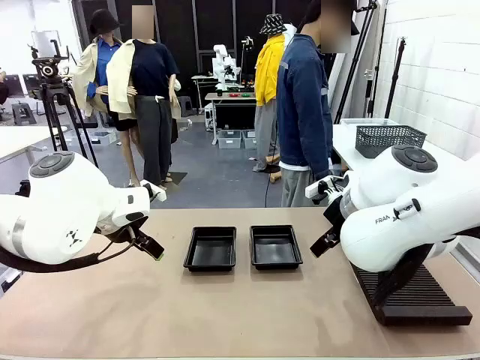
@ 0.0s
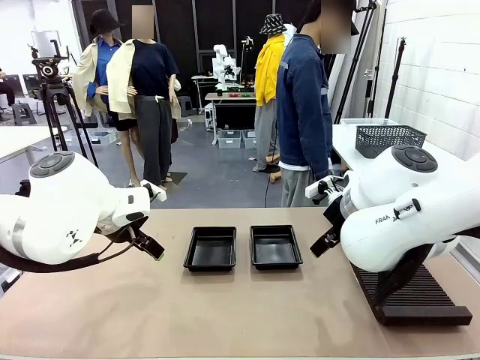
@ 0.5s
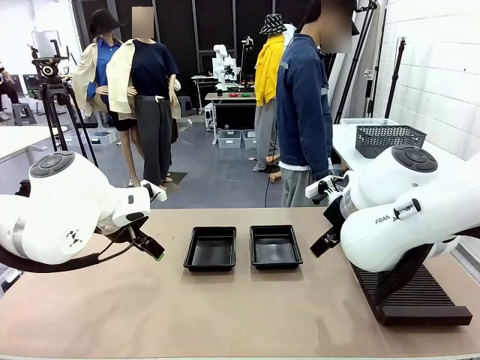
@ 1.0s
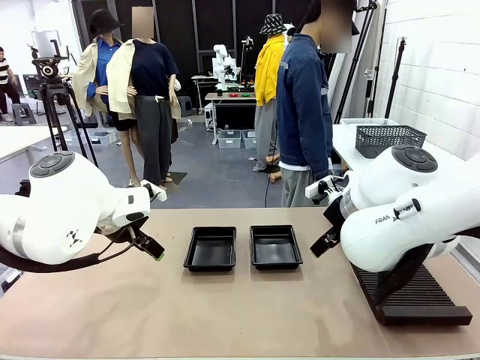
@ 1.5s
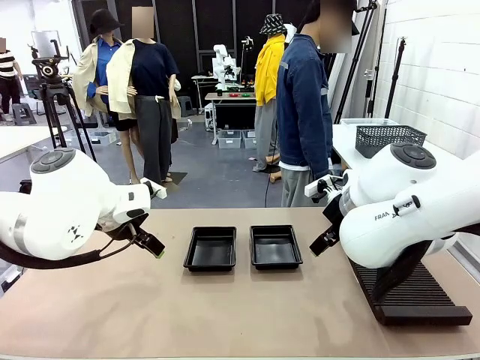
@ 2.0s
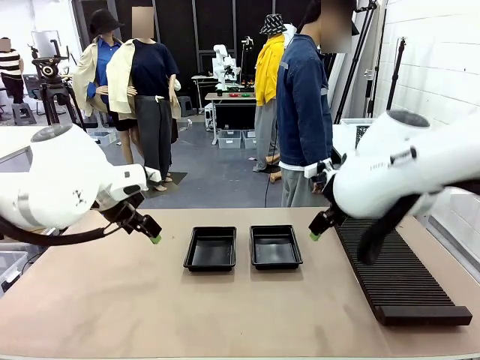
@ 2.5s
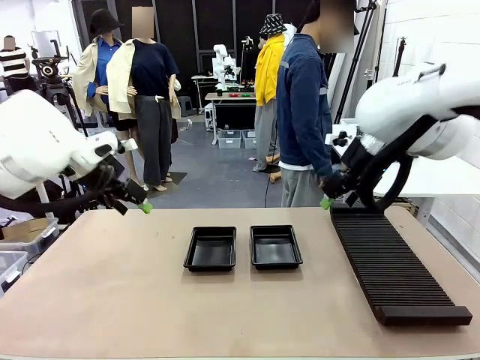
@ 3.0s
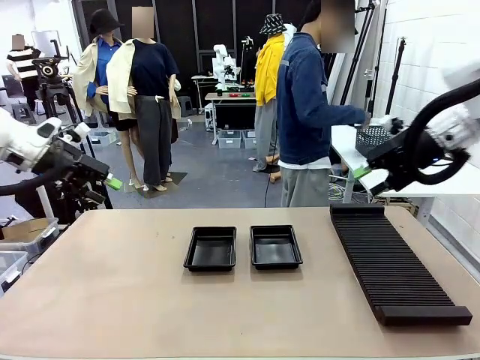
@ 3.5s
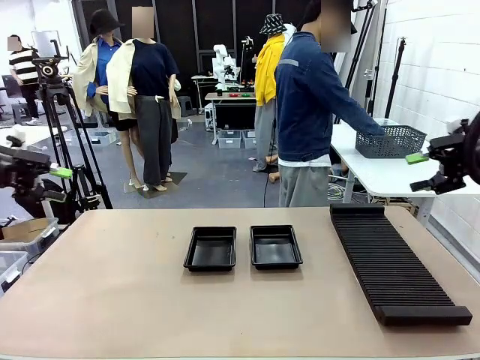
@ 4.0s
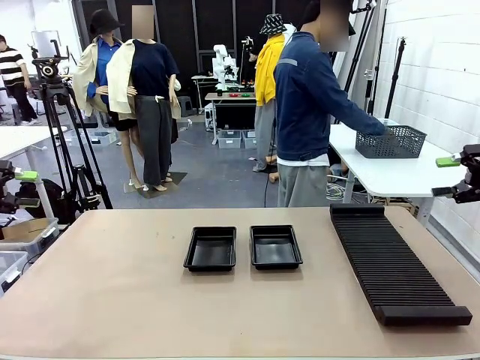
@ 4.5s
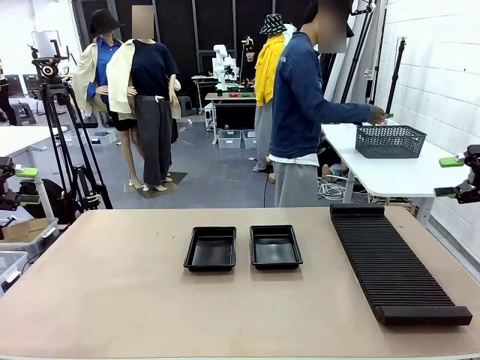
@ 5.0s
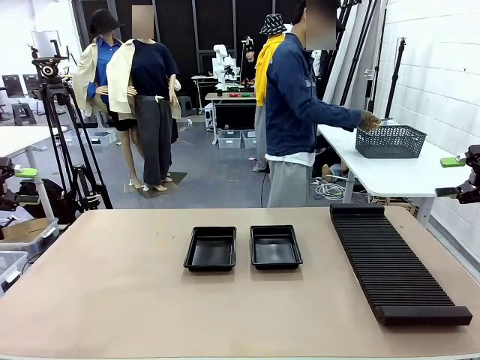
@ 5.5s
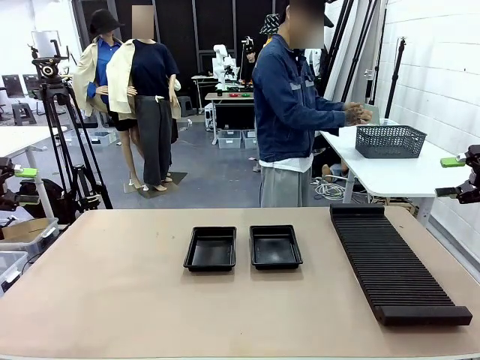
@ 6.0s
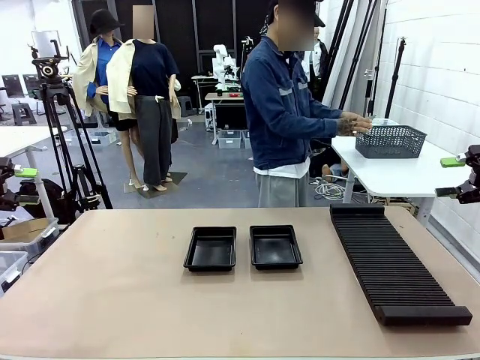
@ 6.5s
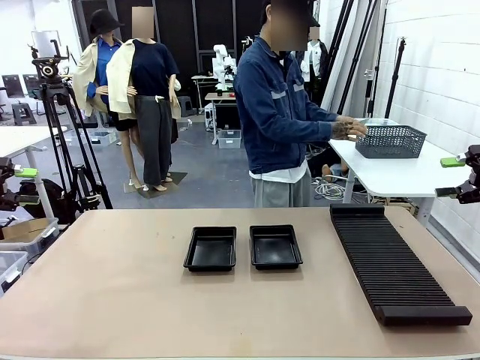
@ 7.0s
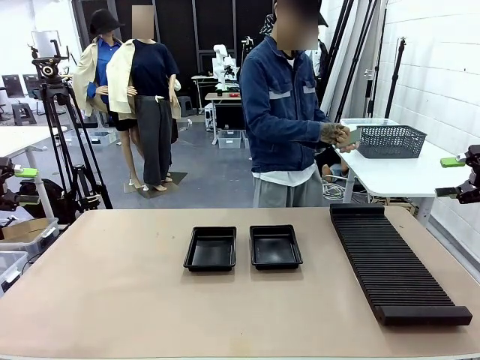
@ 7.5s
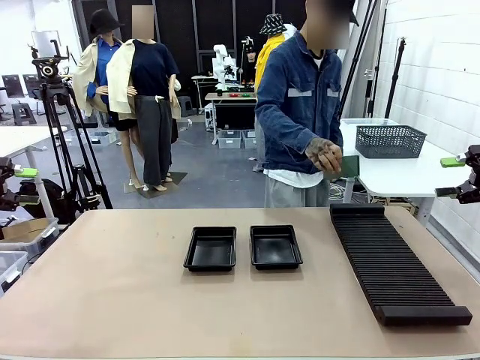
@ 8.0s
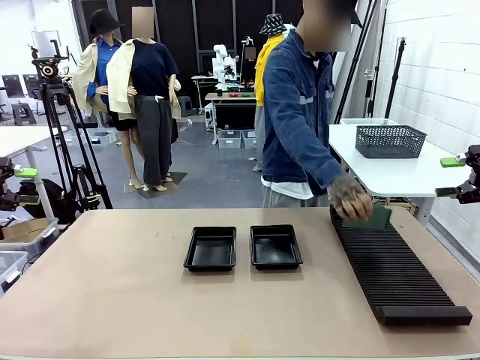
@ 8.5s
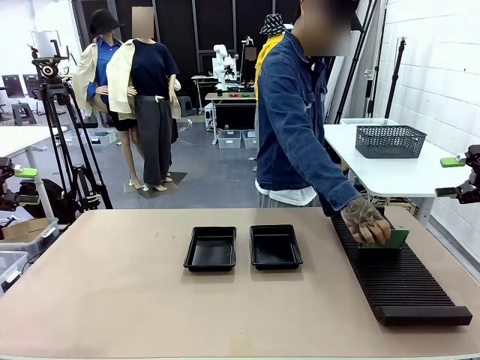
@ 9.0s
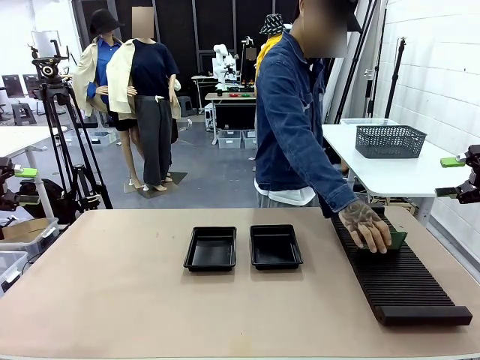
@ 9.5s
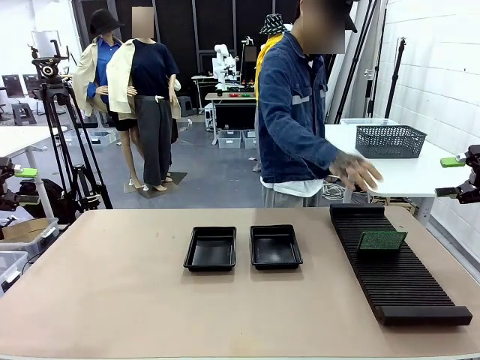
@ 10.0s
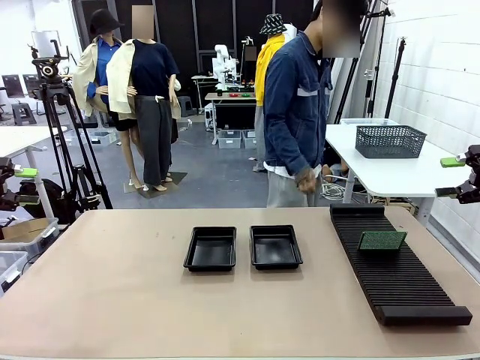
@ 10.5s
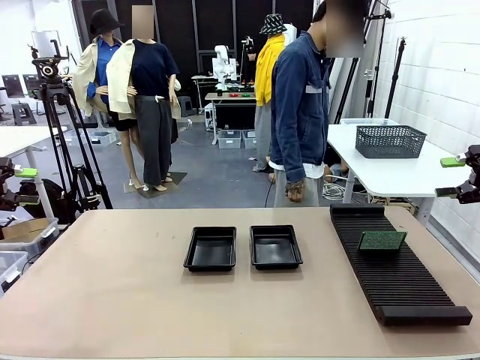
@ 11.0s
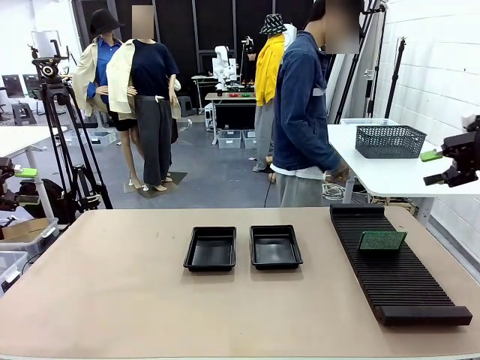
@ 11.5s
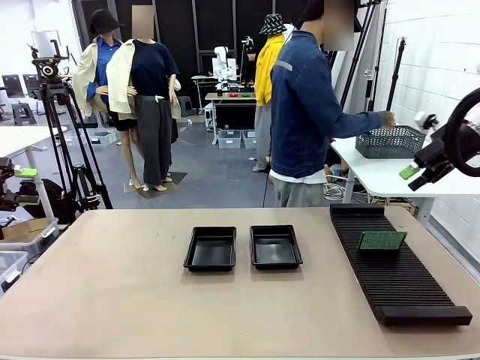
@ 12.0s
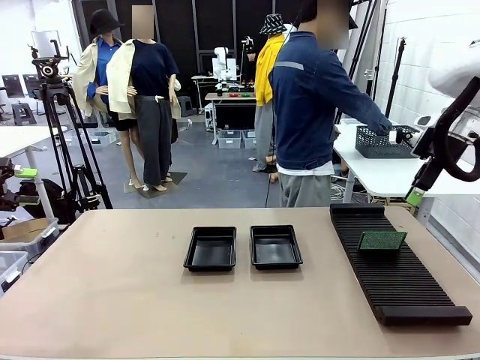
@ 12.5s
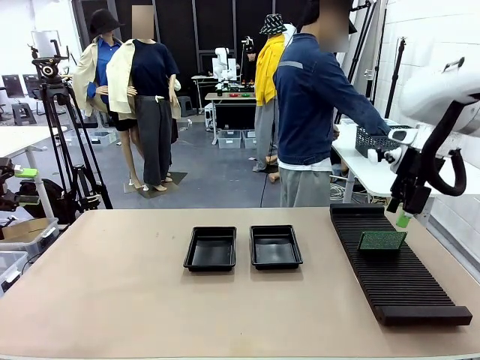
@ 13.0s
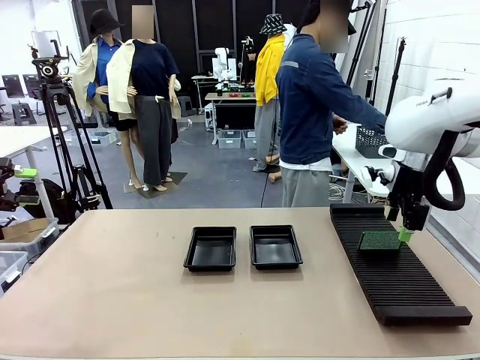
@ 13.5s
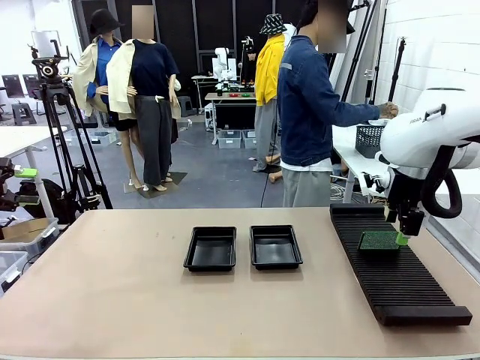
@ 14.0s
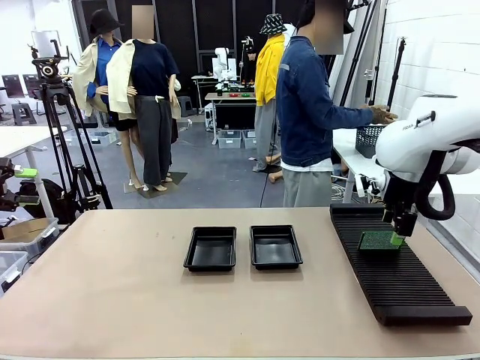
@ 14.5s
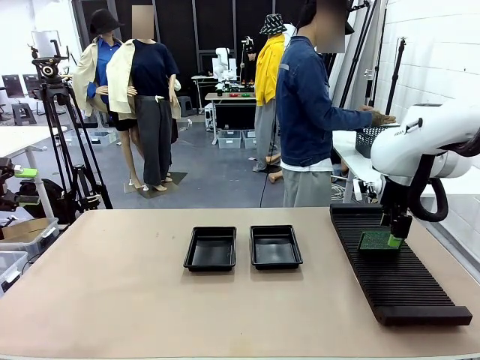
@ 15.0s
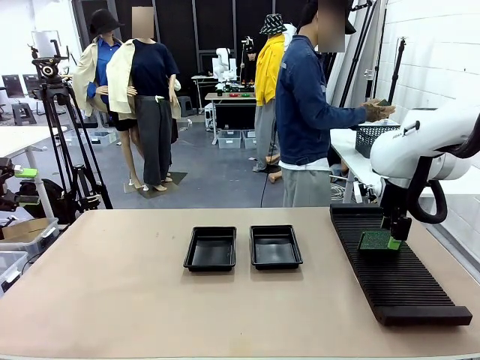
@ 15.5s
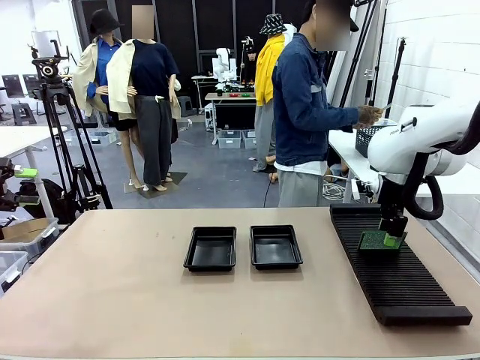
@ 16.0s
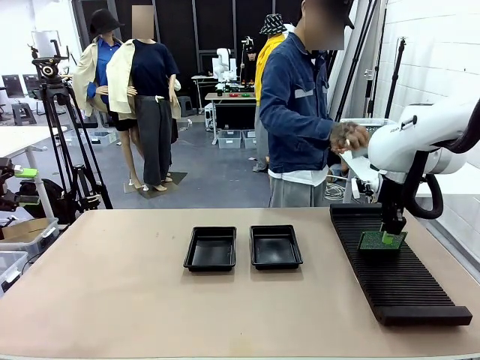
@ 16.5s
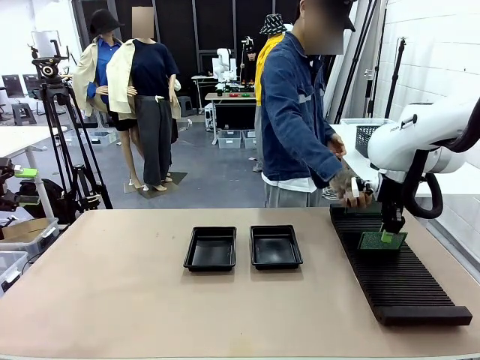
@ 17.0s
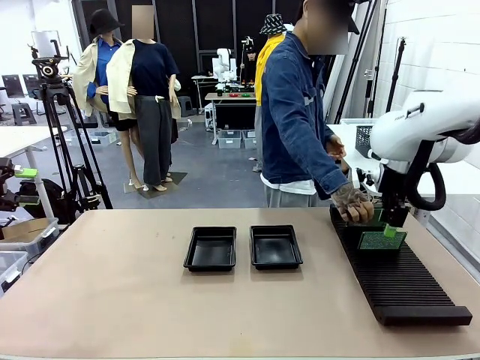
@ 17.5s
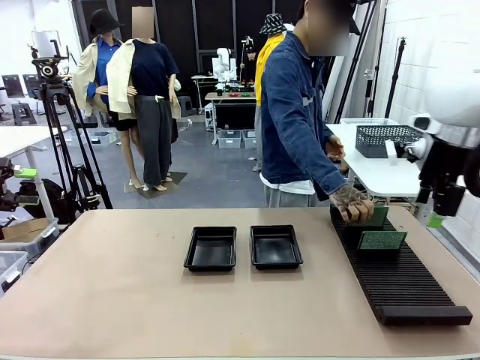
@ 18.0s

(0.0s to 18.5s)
Task: Inspect and transfer BCBs to ESD trays.
Robot: Pick up the Blank PCB from the PCB Rack and place it in the left ESD tray.
